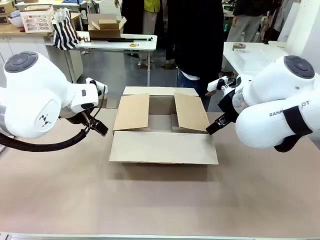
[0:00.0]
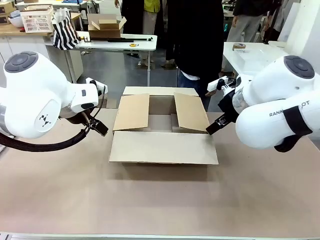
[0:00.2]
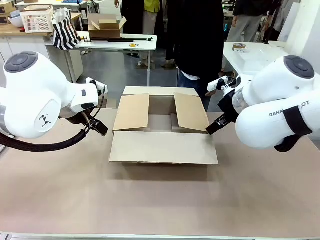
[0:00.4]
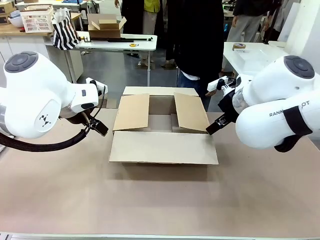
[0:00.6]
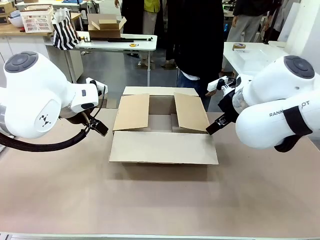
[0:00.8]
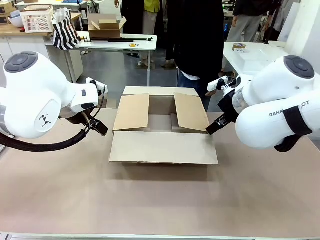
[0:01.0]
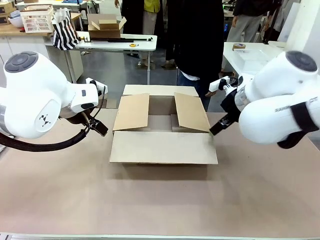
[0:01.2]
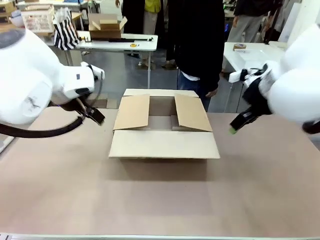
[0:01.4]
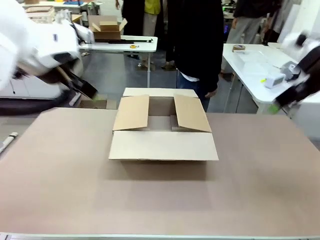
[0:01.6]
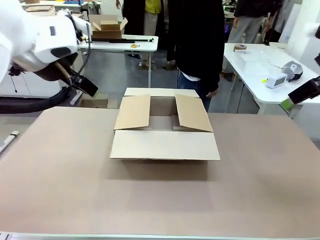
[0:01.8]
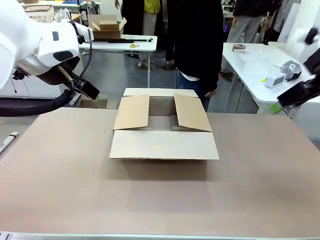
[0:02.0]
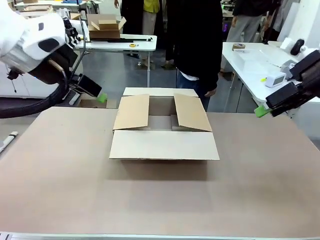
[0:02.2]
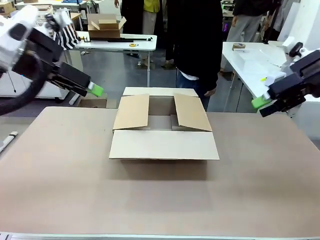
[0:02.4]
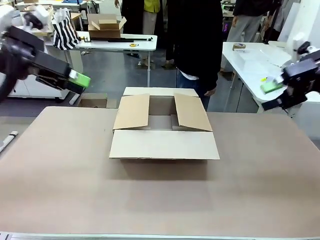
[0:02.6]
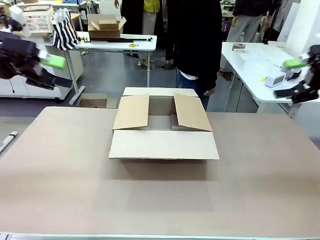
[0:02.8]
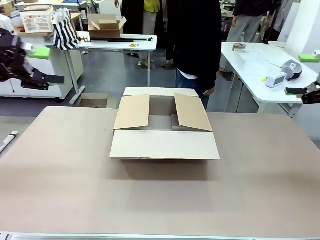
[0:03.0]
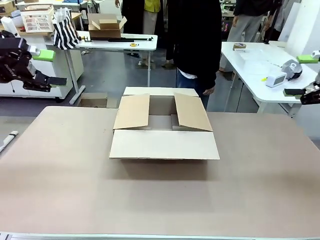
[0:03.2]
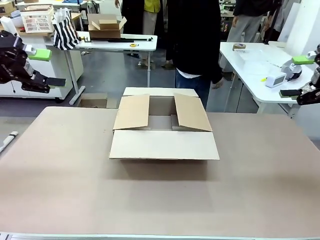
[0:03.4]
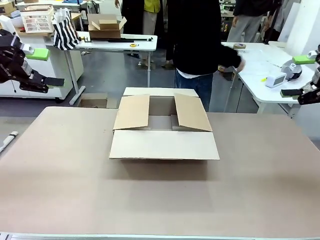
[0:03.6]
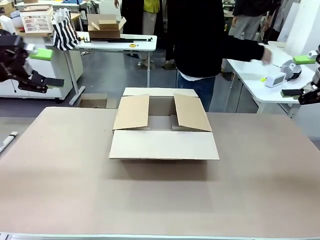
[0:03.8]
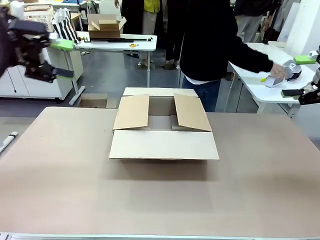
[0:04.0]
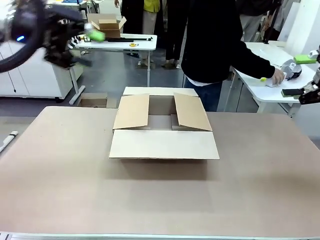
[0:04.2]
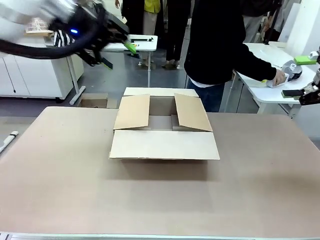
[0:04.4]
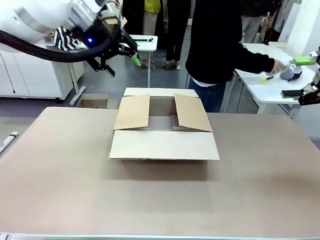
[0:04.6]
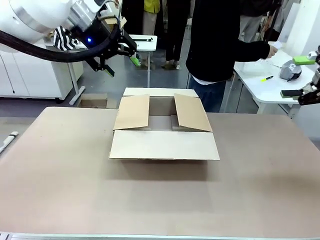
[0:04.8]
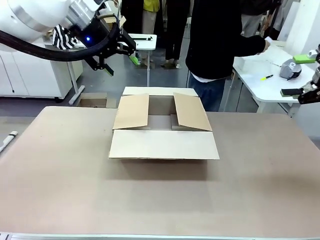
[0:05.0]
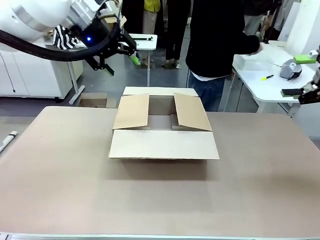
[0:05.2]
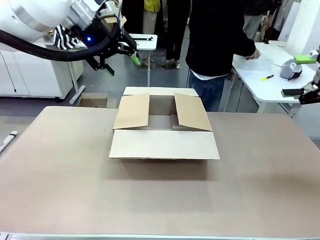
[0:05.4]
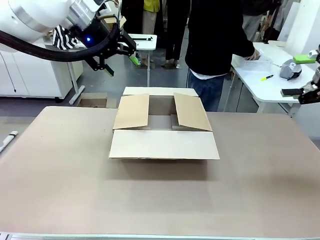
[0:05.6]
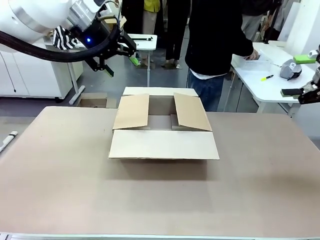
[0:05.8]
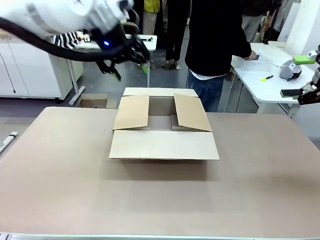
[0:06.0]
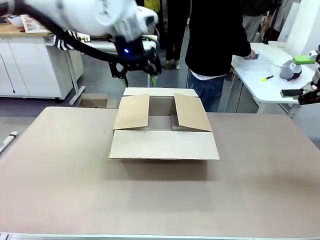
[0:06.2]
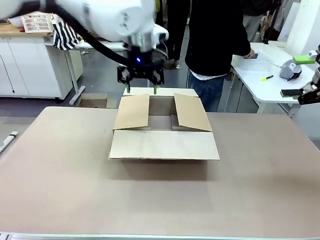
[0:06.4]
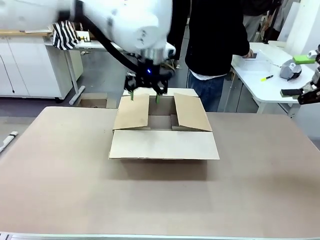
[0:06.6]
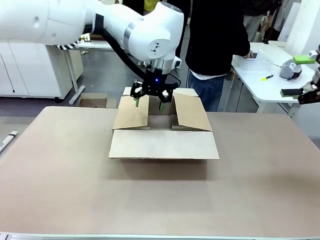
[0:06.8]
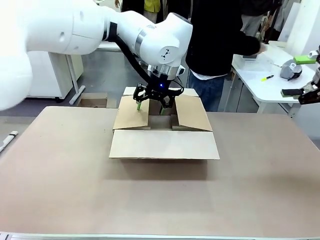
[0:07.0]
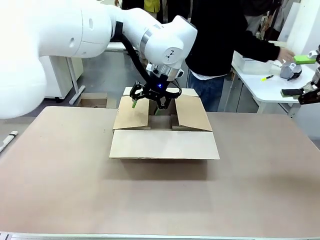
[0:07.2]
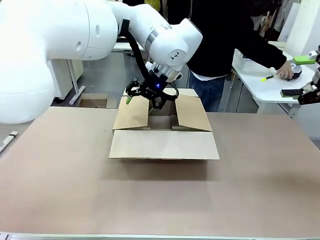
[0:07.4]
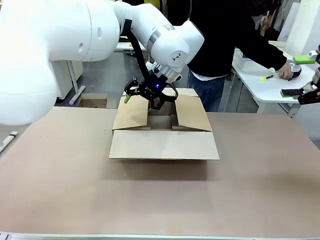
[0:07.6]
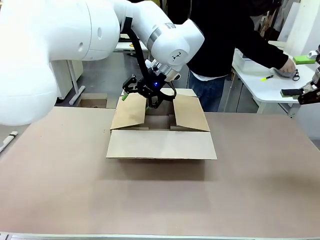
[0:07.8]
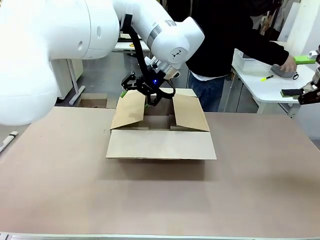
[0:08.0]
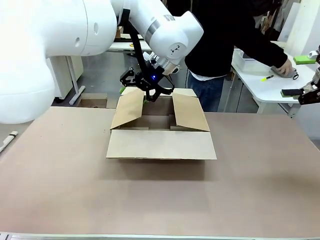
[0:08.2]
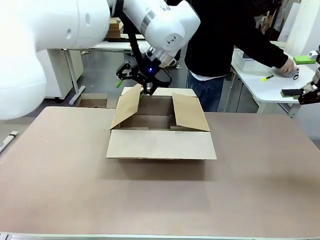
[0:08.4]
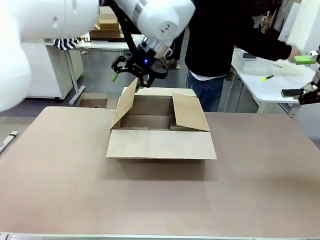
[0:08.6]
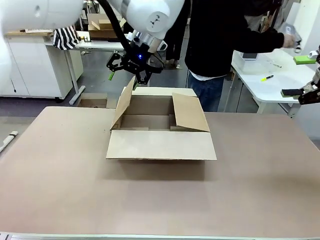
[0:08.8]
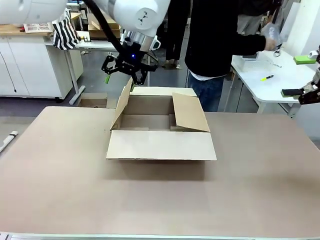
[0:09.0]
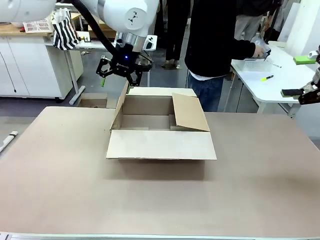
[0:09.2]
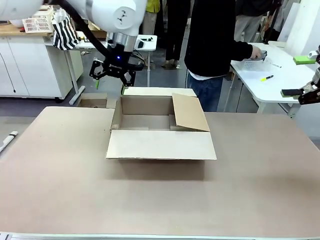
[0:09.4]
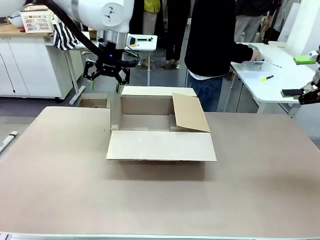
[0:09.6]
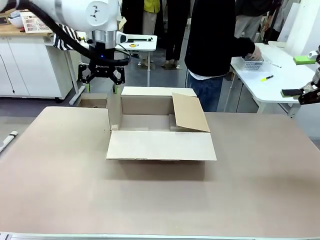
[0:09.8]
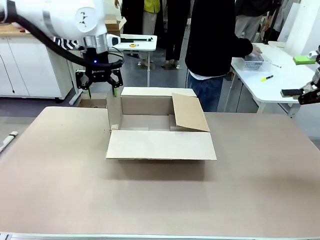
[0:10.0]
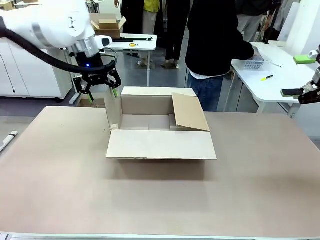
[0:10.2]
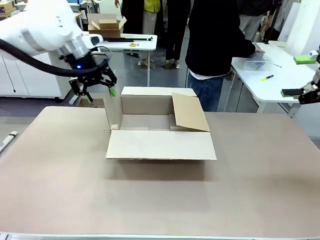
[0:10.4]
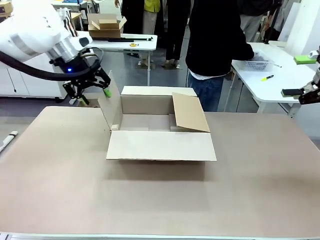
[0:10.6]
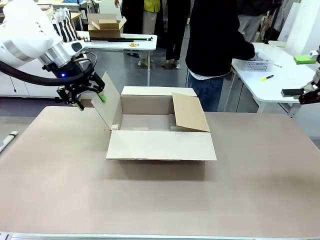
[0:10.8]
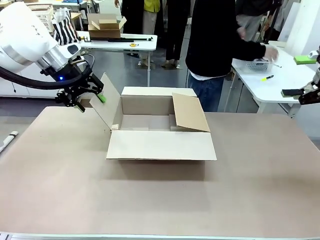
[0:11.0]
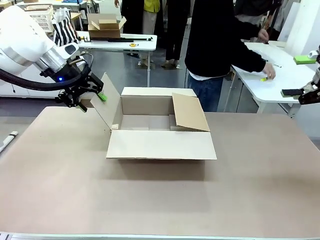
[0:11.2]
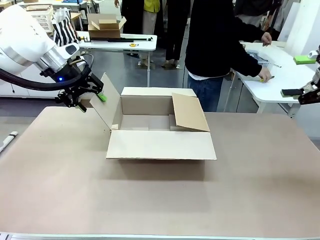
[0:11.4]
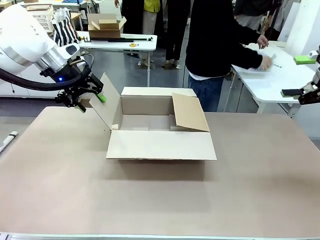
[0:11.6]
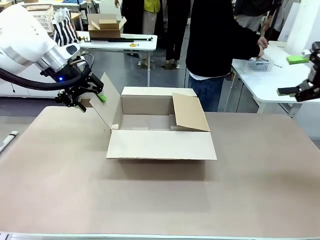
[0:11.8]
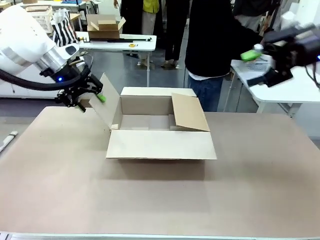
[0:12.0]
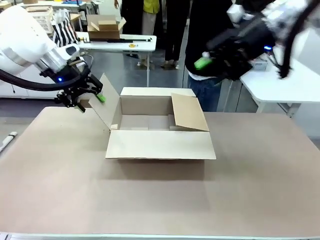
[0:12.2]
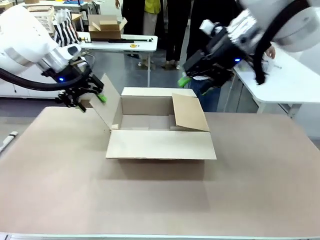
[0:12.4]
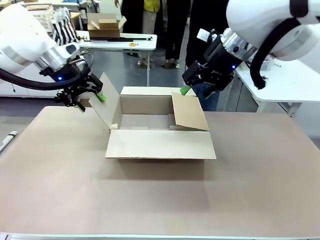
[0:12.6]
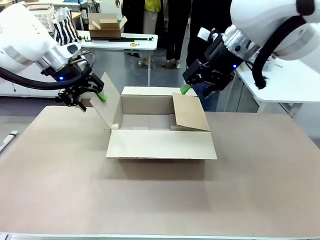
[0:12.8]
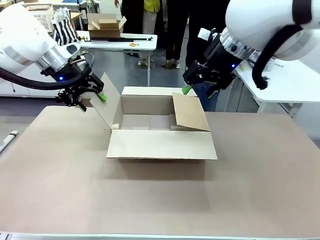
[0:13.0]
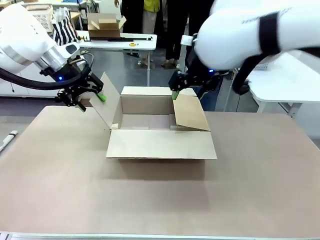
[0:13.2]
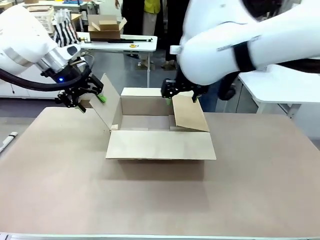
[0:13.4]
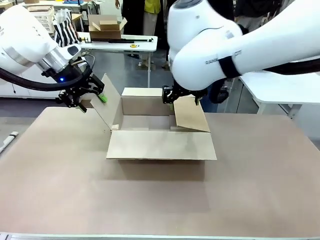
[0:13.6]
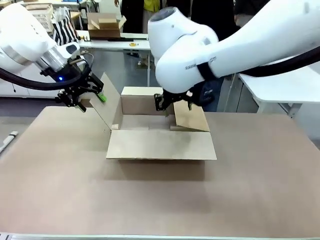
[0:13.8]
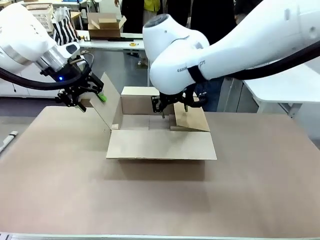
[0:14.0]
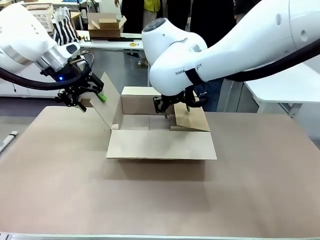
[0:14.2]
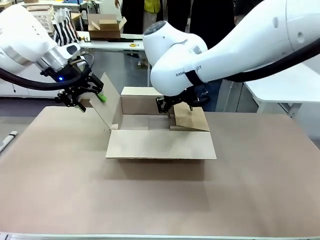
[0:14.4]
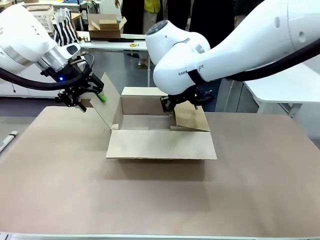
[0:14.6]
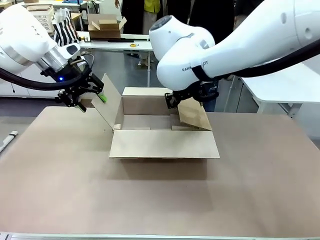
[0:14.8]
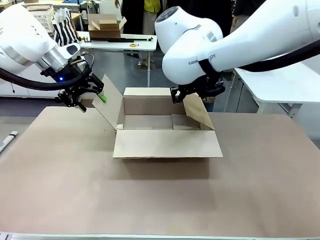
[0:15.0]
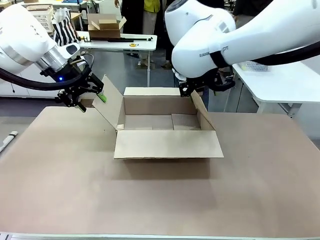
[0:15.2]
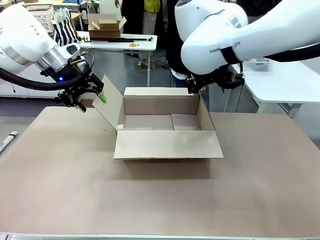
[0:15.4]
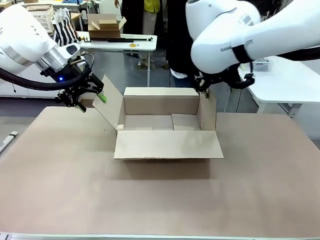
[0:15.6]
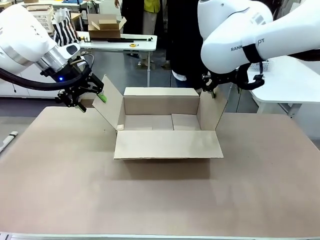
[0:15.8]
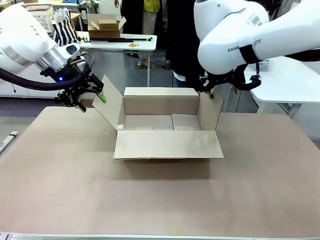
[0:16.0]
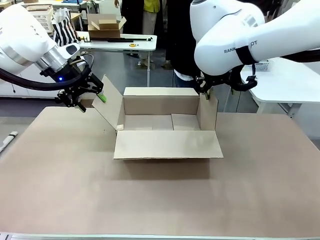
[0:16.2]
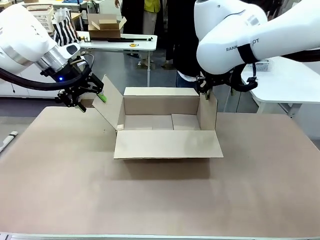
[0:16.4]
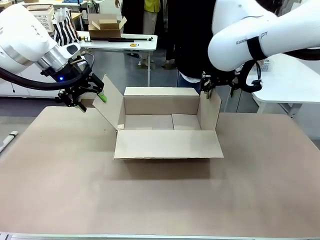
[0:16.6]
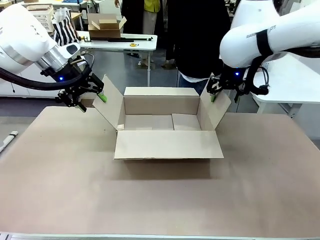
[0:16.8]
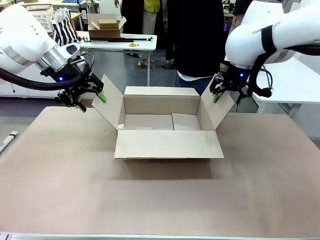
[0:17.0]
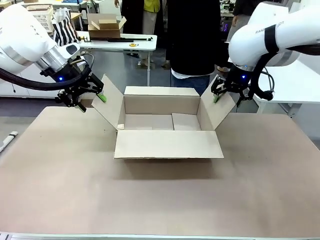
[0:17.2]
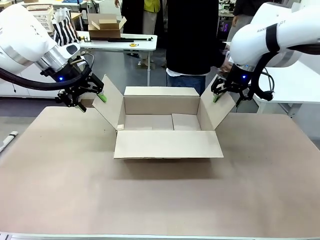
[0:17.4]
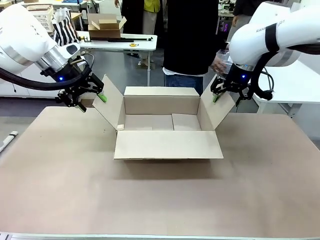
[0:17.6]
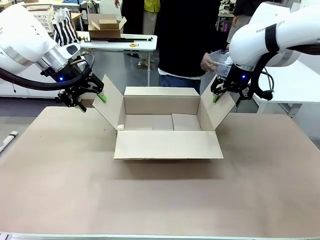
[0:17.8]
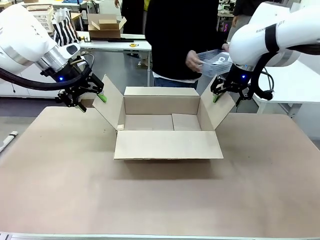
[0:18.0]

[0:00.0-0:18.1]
Task: Pack the gift set into the box.
Robot: Place both hands on the side flaps of the Package Box and spread them outward.
Person: The human places all items except the paper tape into the organizing basket.

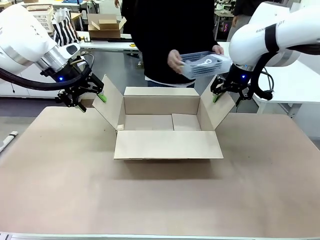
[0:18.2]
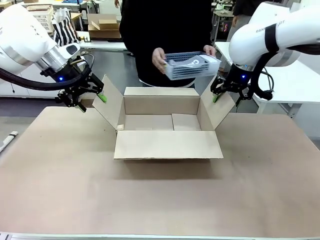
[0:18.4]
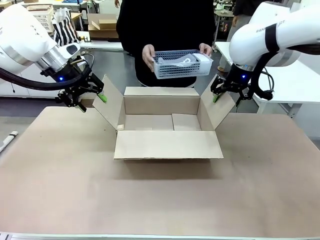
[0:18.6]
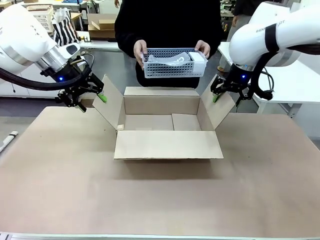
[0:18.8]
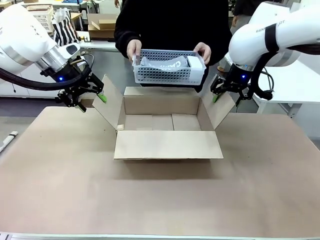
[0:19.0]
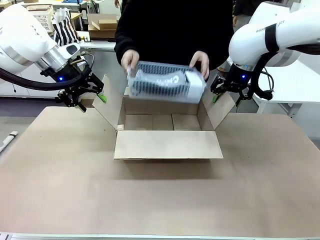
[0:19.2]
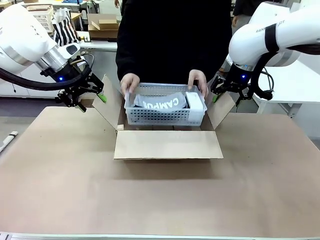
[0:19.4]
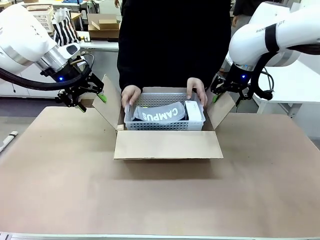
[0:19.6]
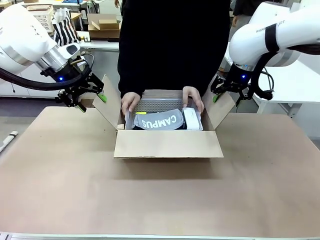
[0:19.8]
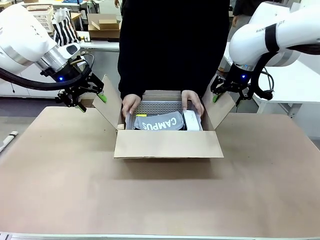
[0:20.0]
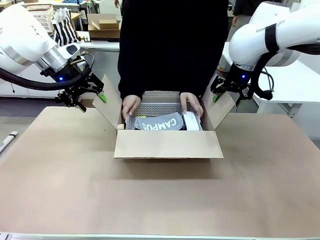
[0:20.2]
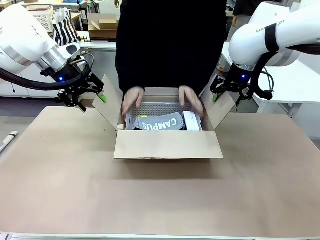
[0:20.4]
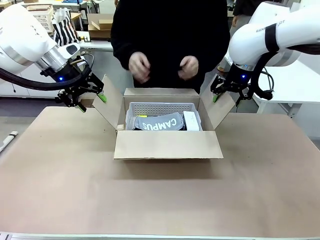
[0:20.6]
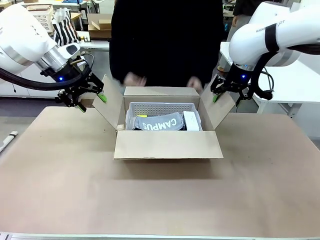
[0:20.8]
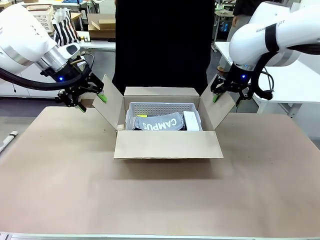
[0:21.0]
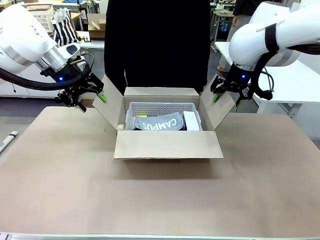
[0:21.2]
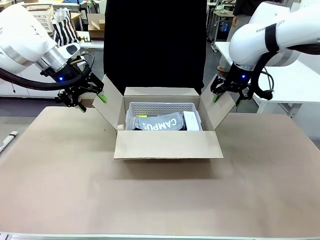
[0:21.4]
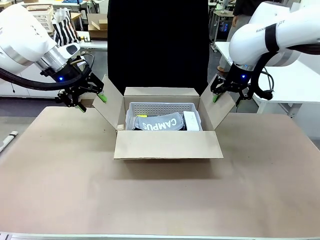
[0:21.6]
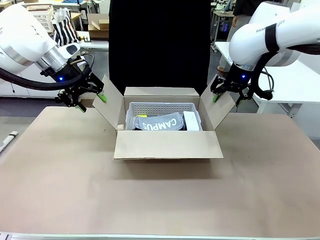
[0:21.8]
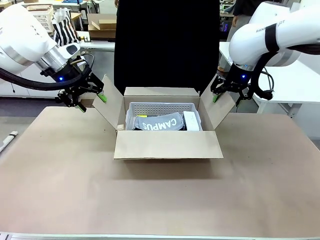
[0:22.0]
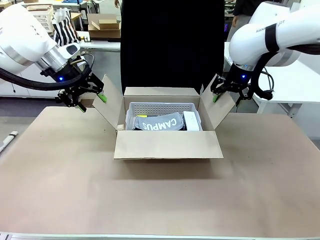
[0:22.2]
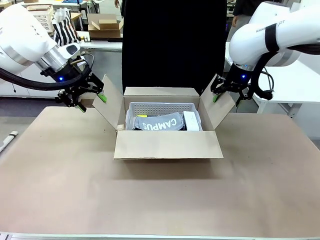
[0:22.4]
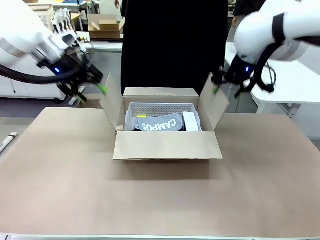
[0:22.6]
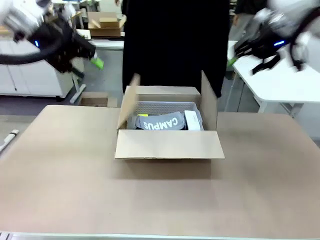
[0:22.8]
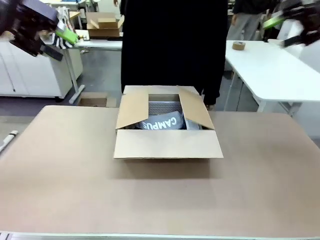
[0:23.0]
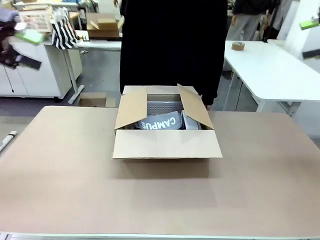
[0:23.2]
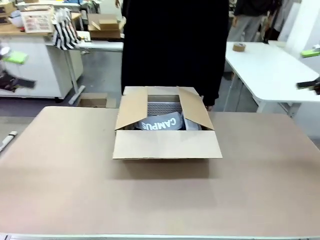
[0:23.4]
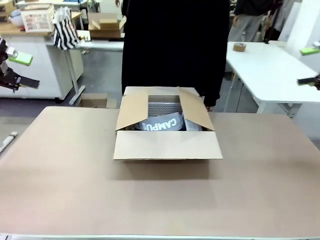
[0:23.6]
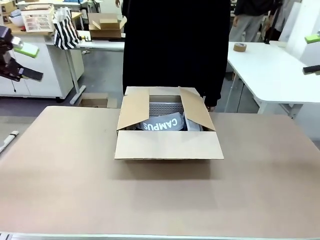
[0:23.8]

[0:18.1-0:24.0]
Robot: Lift both hands away from the flaps of the Package Box.
Person: The human picks up the organizing basket and places the organizing basket into the package box on the robot table.
